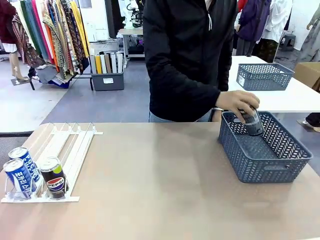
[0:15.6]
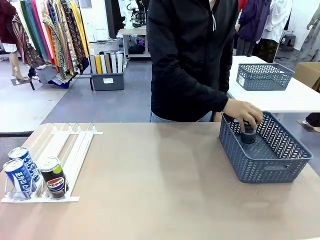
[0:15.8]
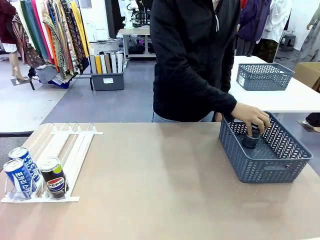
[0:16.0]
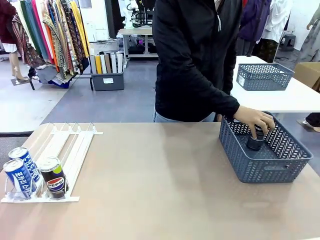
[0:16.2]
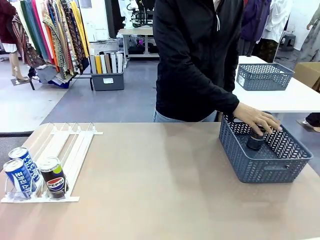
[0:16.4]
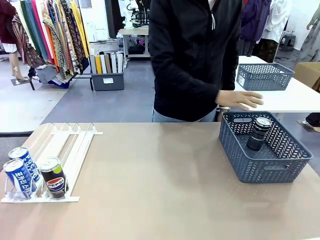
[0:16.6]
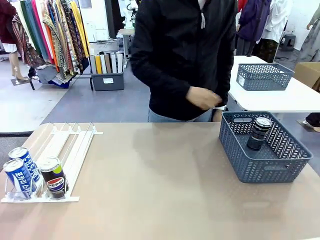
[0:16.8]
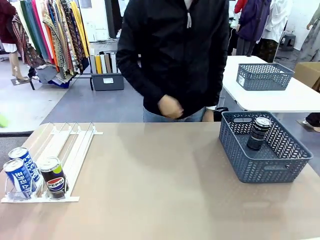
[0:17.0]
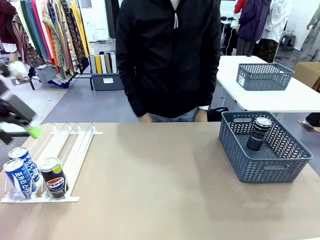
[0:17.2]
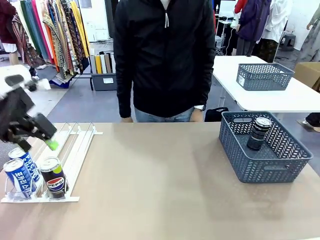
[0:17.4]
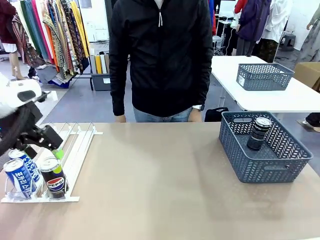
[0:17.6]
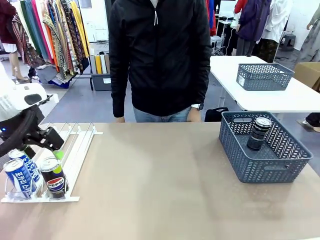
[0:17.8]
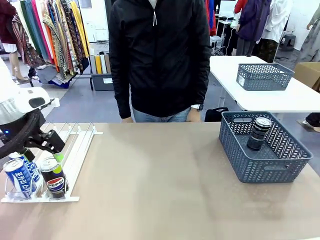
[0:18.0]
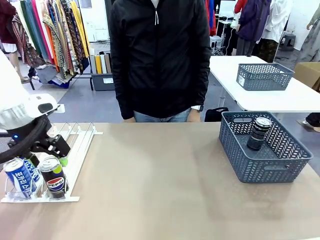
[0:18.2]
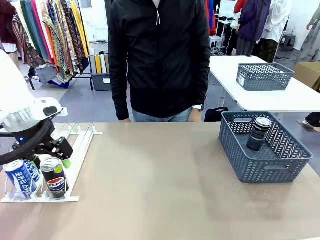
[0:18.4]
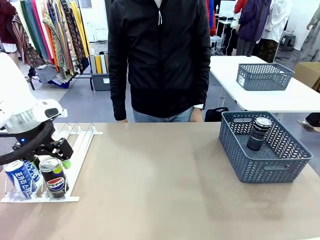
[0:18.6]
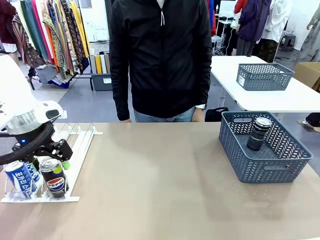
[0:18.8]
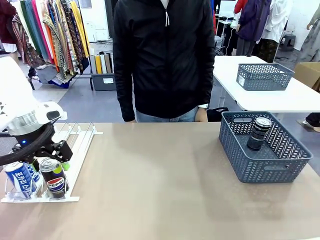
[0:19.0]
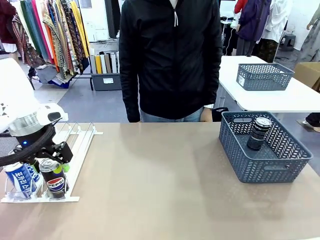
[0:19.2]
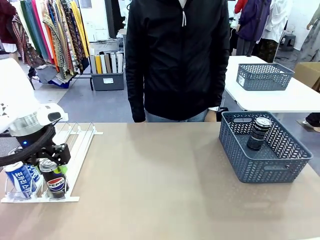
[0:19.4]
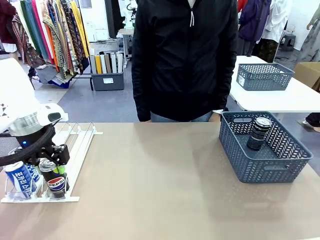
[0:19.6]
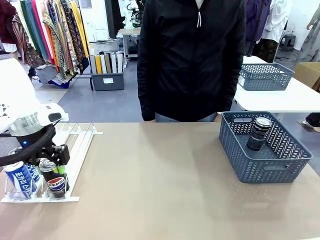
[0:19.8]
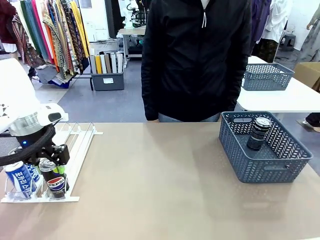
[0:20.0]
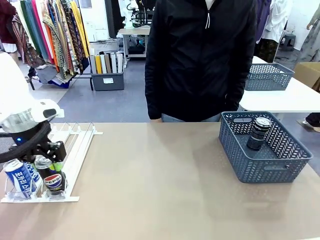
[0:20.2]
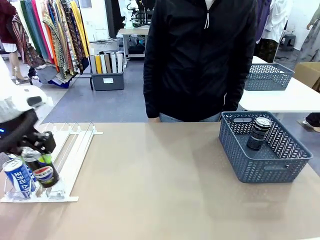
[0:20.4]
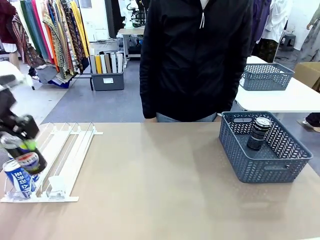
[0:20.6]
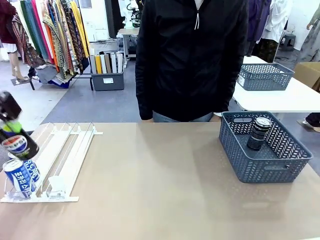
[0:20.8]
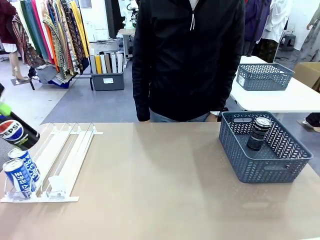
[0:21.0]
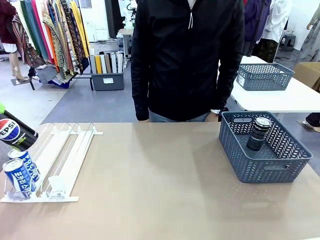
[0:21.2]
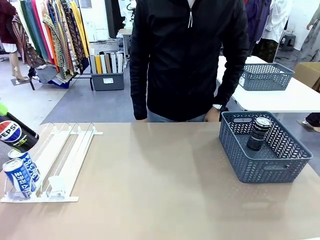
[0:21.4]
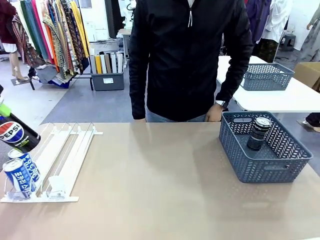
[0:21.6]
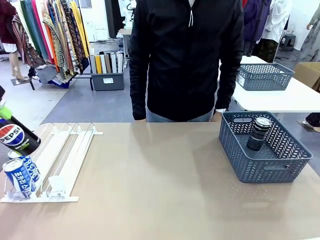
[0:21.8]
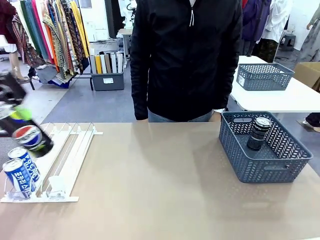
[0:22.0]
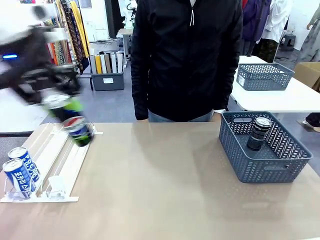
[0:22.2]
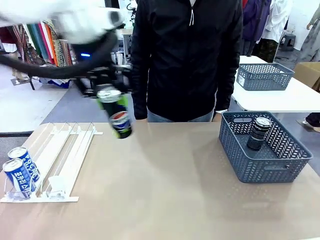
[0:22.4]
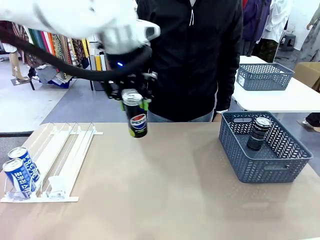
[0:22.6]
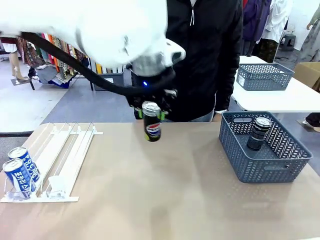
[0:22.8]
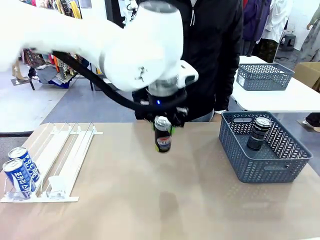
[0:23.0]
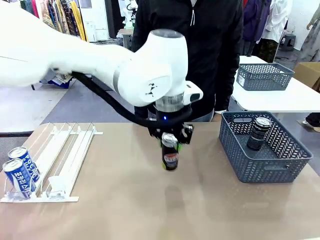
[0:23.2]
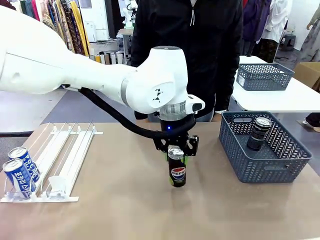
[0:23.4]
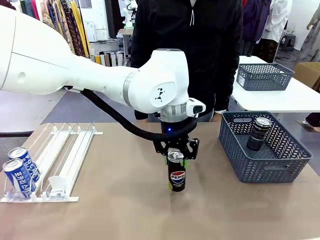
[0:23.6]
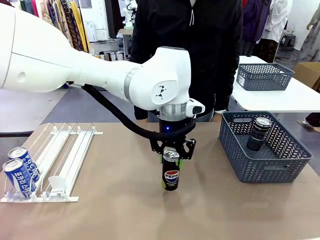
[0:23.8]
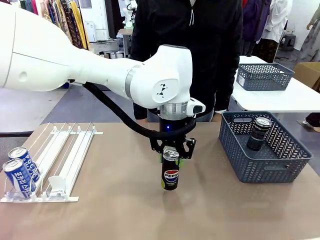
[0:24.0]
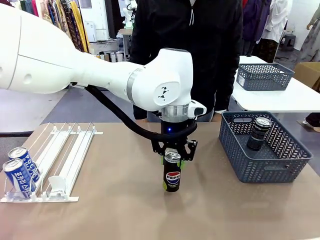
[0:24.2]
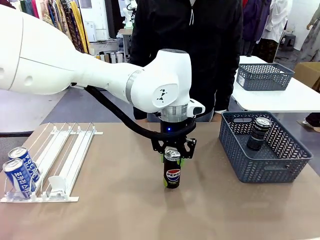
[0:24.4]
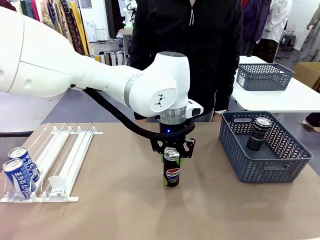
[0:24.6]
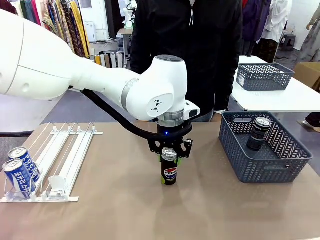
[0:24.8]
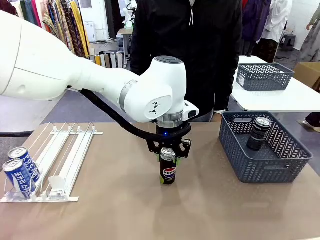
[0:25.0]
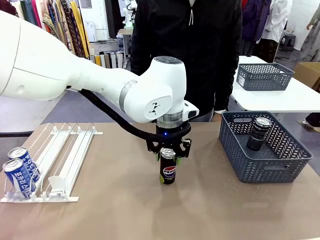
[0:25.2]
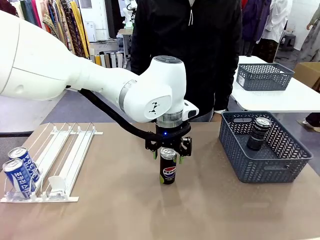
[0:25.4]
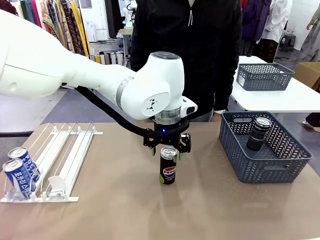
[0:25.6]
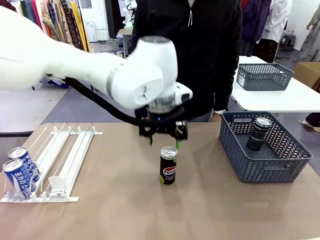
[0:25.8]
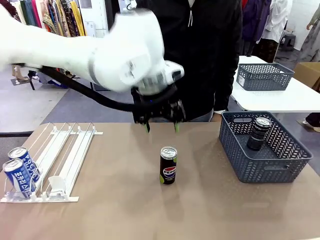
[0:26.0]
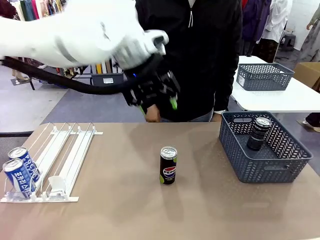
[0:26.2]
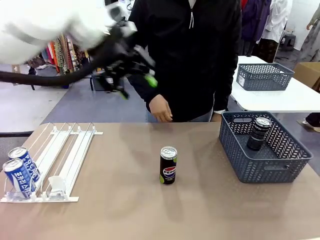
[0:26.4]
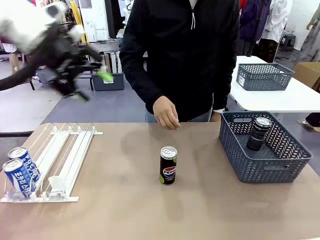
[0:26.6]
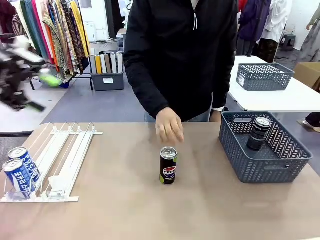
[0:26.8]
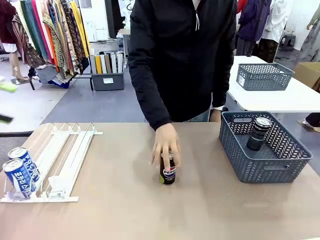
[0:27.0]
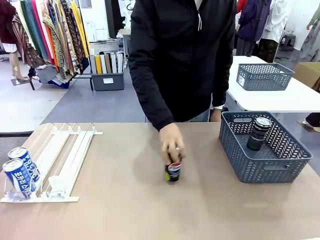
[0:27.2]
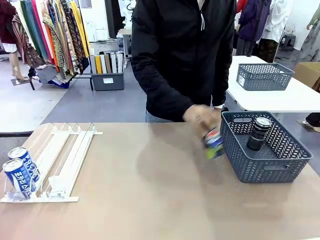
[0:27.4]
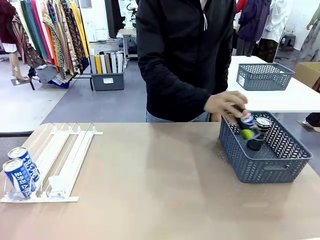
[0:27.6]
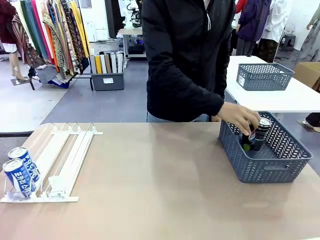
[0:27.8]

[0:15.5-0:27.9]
Task: Retrieve and store the cans from the dispenser.
Robot: Pick up the last remaining can from one row of the Automatic Can Dispenser and place it in the middle of the table.
Person: Pick up one Pepsi can from the middle of the robot table and place it in the basket.

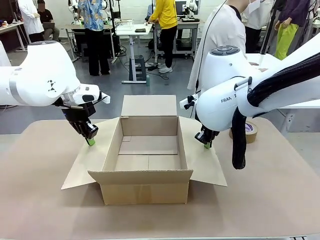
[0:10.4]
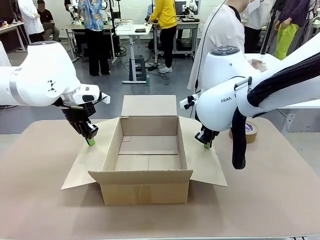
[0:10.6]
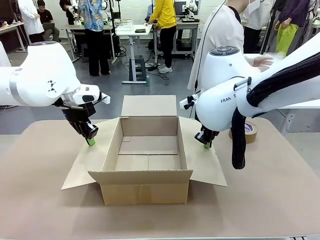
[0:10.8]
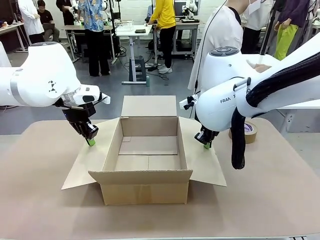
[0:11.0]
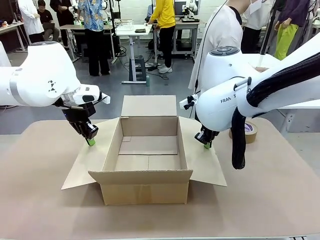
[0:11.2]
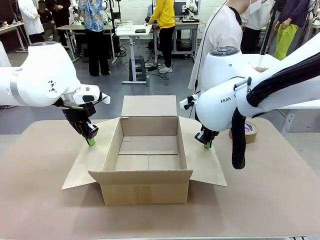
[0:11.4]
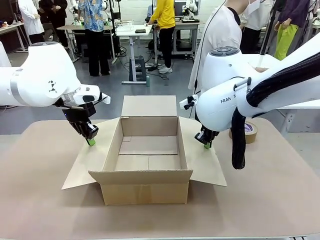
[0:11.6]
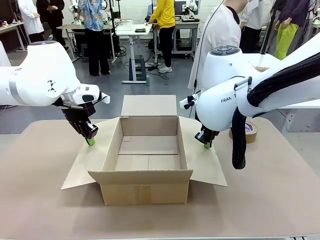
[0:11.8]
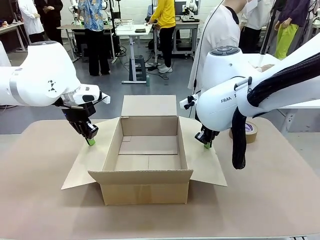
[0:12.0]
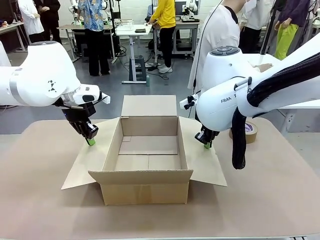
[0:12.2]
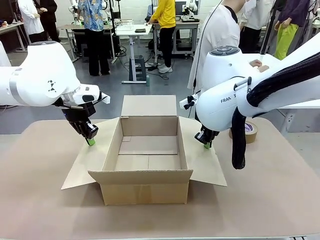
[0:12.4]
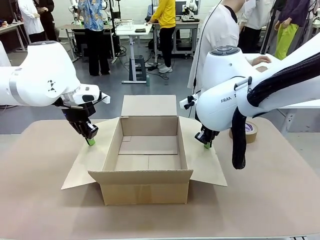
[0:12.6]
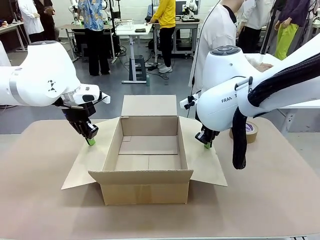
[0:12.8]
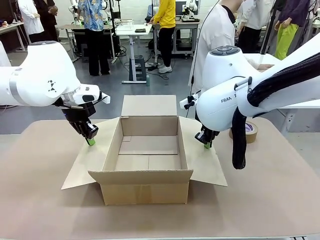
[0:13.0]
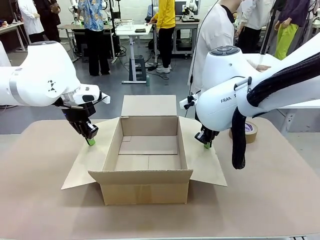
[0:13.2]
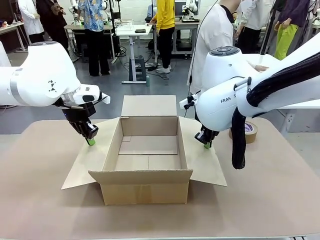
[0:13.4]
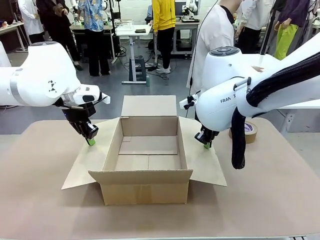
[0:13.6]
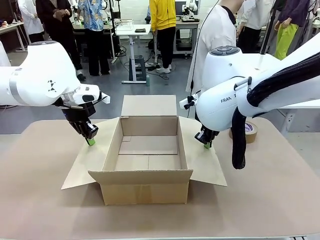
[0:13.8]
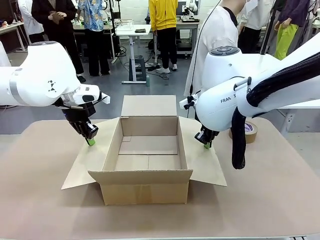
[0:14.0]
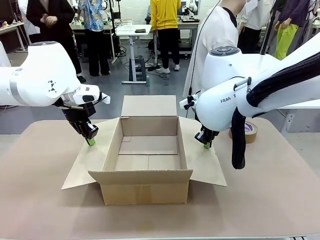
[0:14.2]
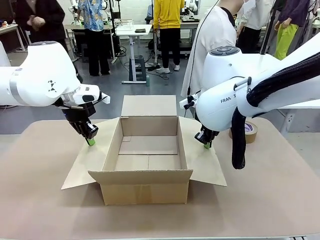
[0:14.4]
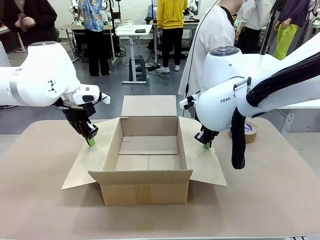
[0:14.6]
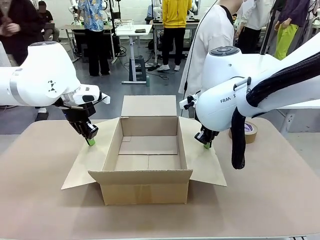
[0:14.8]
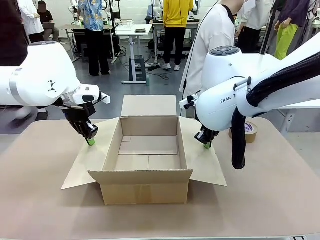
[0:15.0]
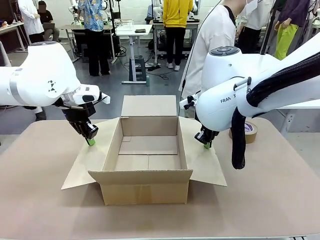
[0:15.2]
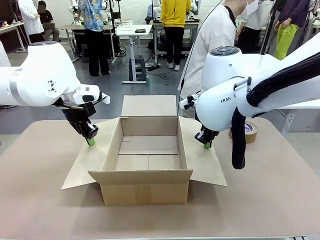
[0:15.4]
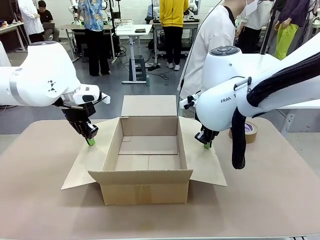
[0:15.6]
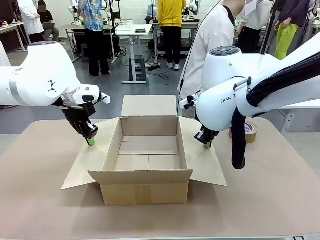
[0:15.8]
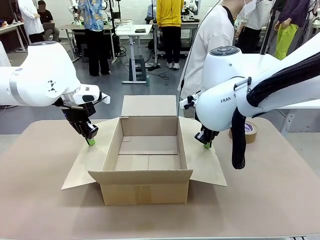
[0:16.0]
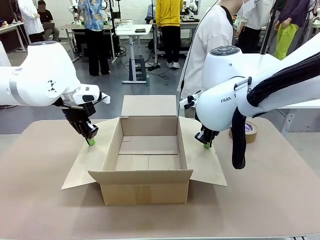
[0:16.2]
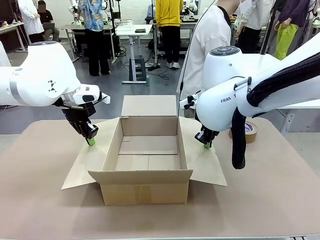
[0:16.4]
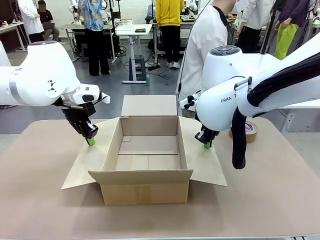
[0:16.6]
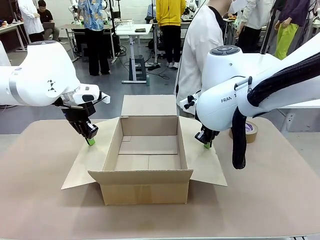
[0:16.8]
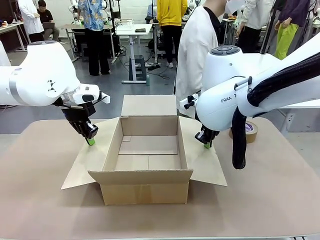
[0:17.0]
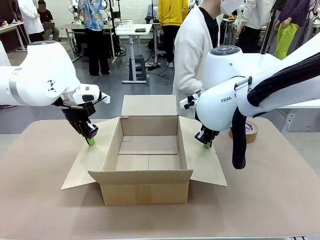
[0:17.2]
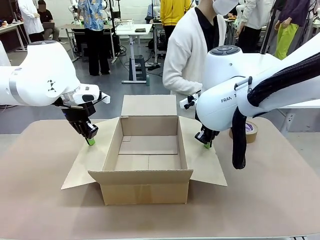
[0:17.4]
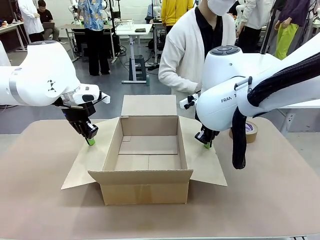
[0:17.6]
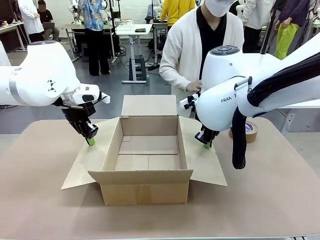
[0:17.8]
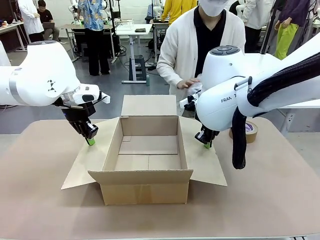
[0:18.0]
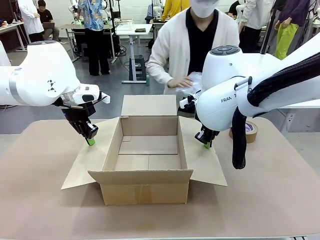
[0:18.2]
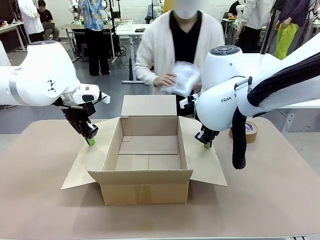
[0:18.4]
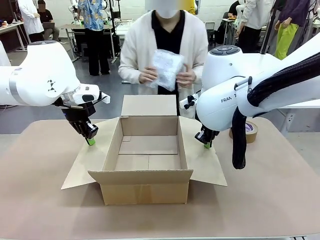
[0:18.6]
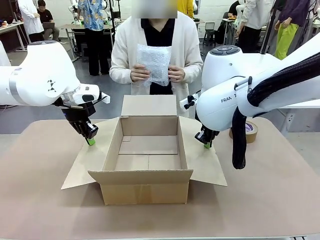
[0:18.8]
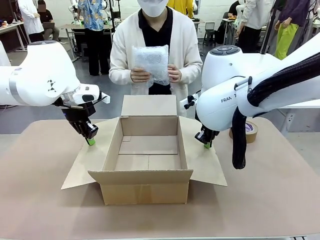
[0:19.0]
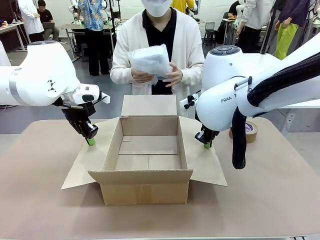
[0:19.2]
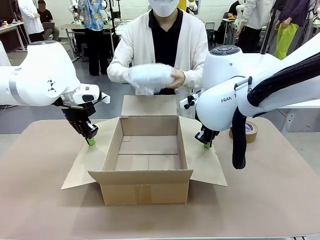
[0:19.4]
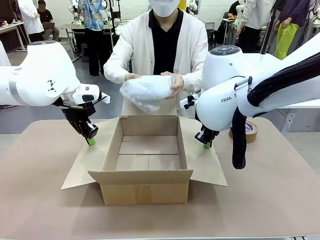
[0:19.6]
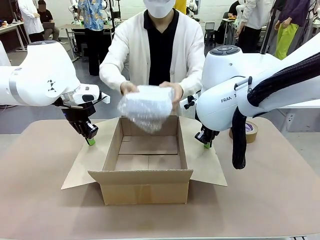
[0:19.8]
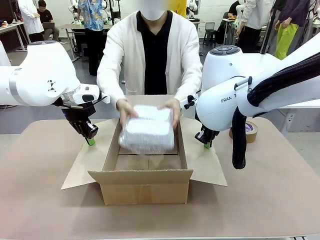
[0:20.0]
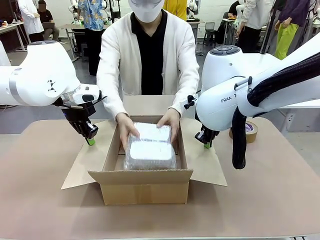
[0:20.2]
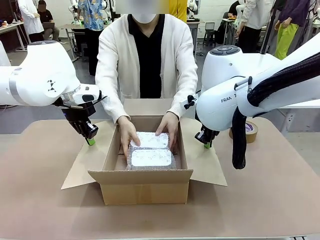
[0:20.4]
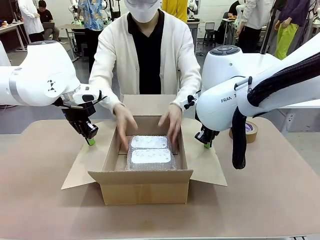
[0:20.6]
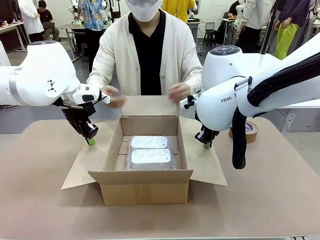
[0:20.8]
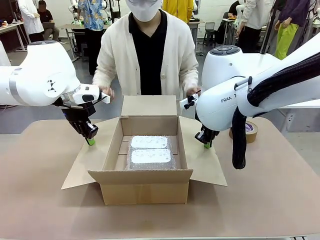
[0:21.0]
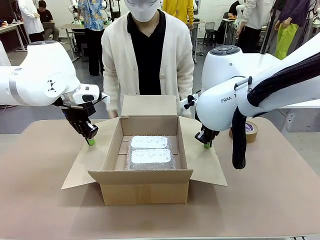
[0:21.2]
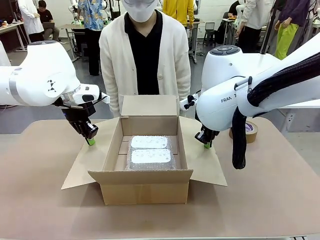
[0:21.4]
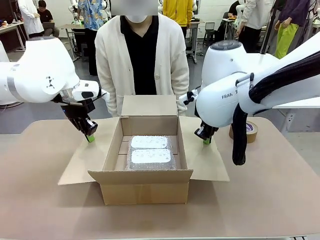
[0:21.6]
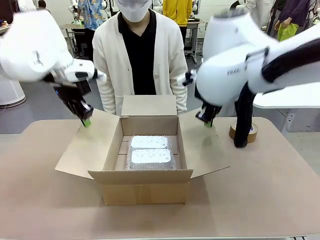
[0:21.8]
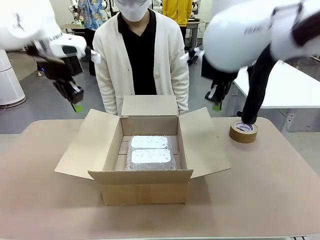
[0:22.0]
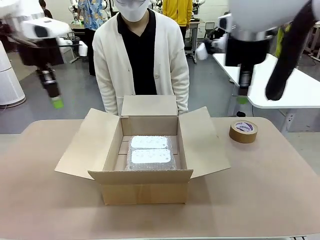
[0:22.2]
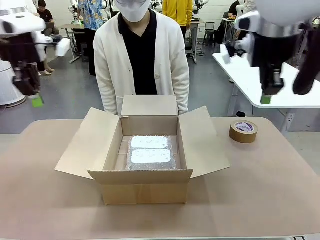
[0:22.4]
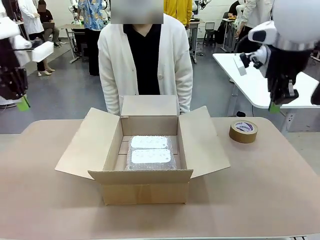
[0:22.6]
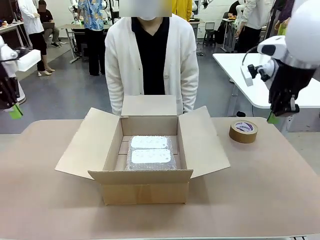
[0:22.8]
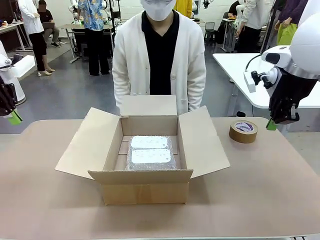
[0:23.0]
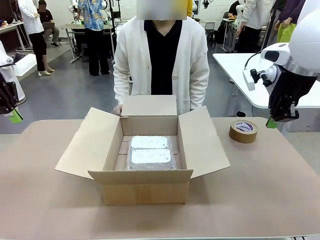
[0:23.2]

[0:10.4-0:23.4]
Task: Wrap the clocks to prevent damage.
Robot: Once the human has placed the objects inside and stepped back, release both hands from the side flaps of the Package Box.
Person: Place the wrapped Digital clocks inside the Package Box.
